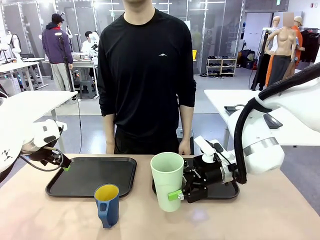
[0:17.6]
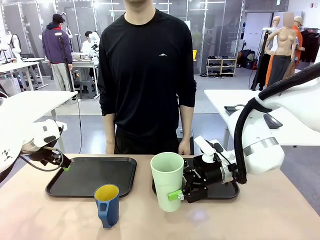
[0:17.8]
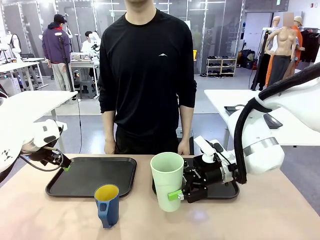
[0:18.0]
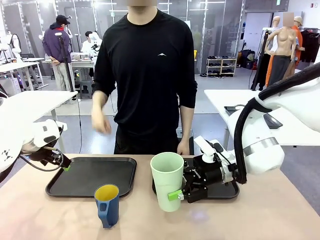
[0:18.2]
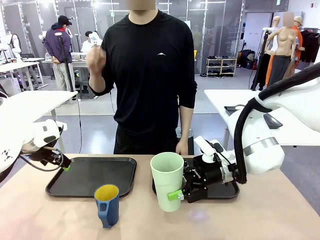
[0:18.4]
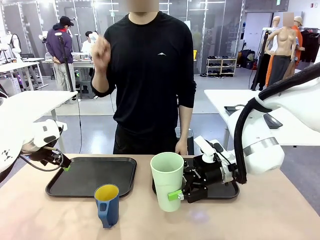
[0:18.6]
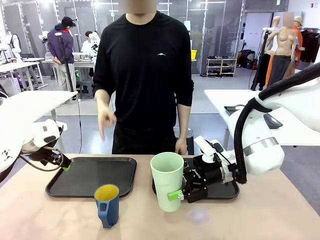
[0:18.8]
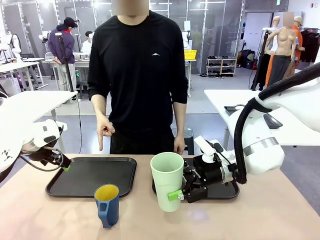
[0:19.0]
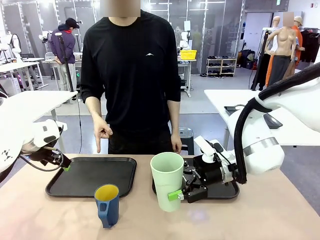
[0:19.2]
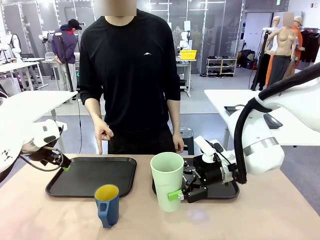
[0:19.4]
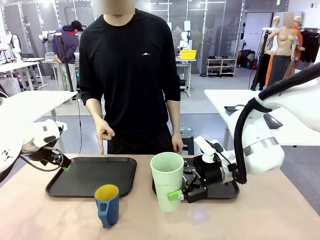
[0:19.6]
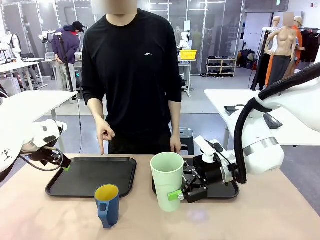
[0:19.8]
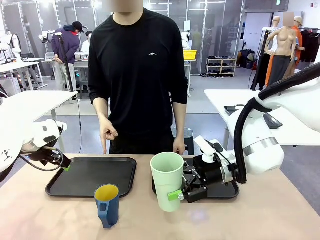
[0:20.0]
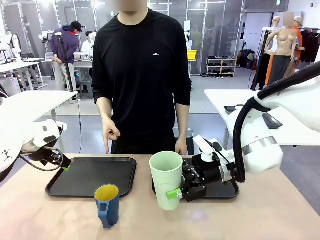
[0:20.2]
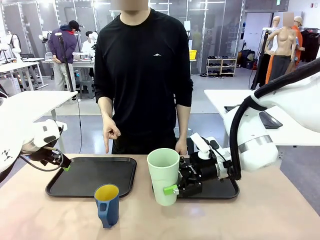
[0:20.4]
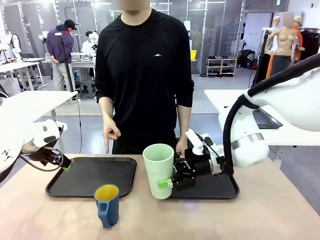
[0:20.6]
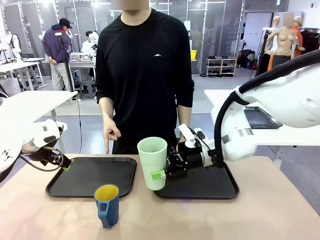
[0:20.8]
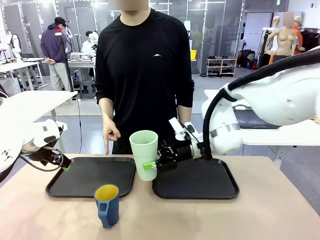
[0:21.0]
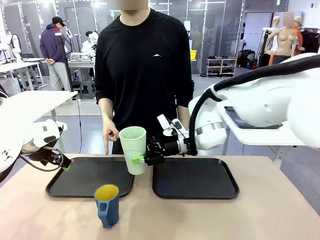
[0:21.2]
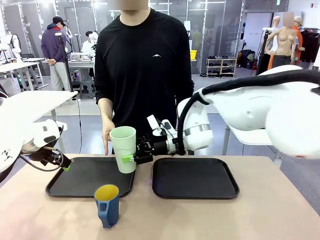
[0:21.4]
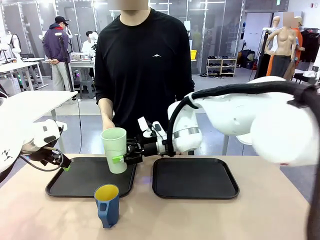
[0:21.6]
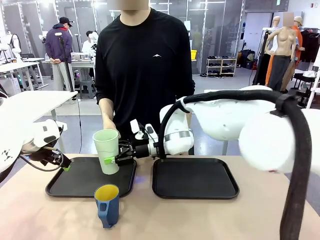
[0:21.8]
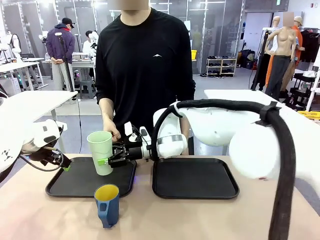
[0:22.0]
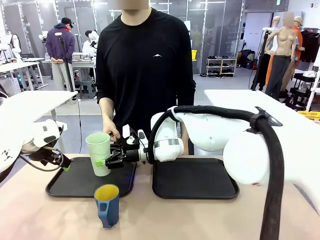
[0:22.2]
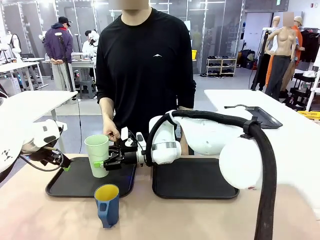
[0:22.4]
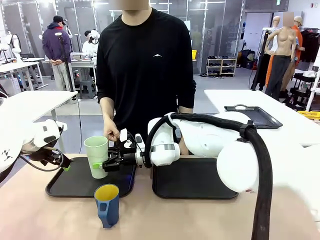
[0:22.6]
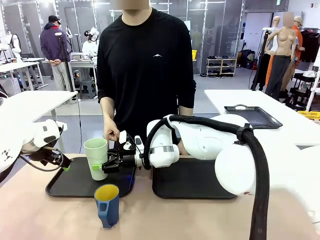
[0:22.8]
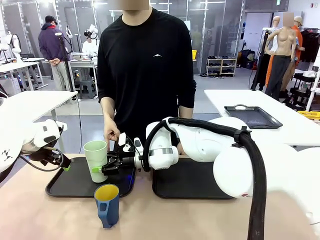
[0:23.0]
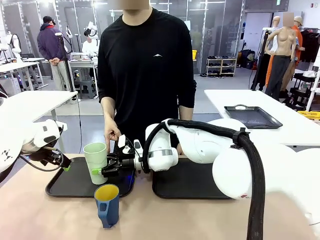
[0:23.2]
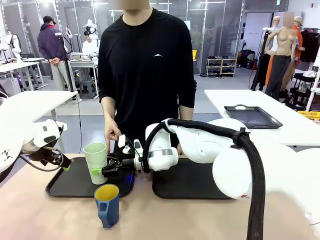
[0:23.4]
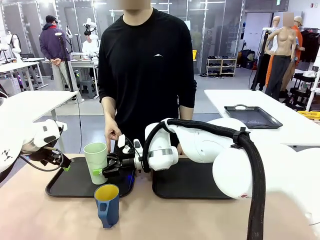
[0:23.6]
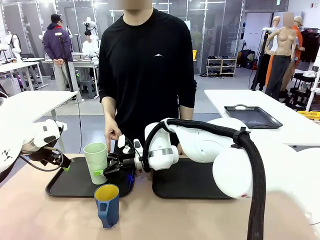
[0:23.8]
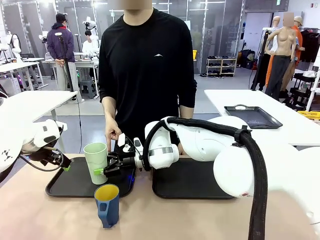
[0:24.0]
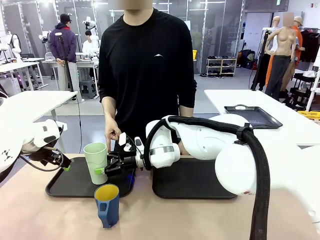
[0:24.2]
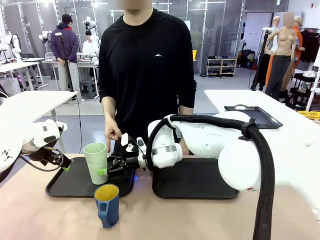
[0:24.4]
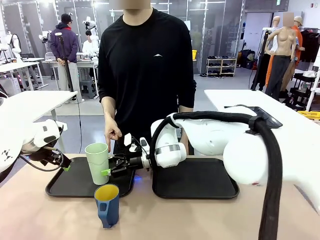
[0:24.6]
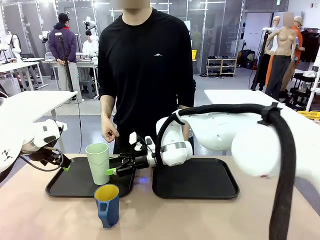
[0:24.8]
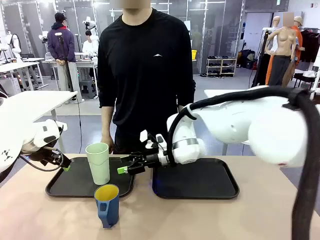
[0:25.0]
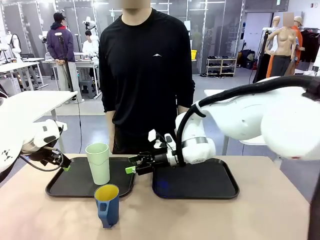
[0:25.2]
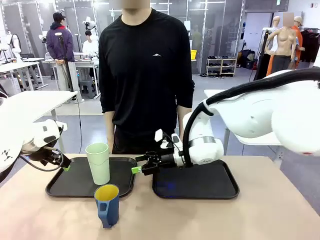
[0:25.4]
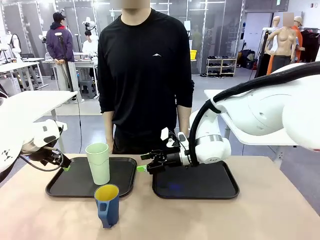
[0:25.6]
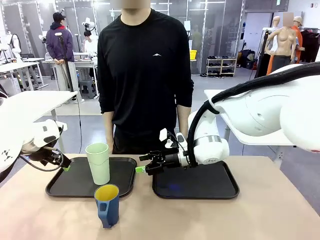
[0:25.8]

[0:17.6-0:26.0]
Task: Sort and store the cups by type.
Robot: Place the picked Reusable plastic cup into the Flat Tray indicated by the person.

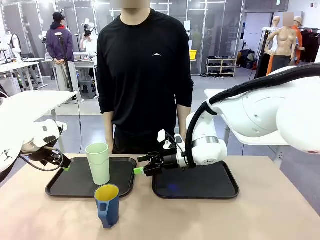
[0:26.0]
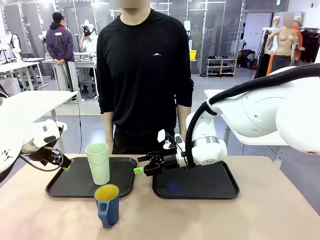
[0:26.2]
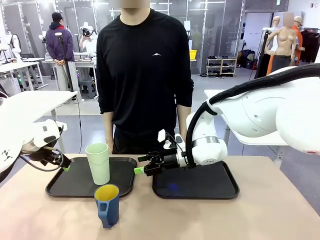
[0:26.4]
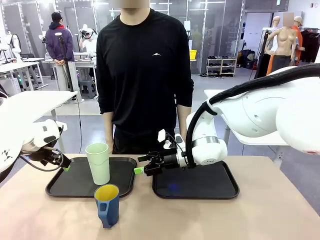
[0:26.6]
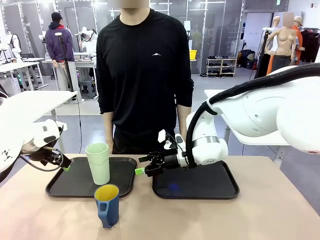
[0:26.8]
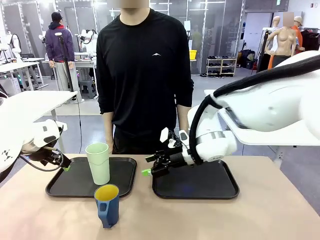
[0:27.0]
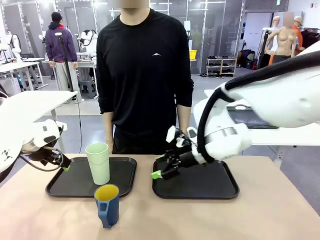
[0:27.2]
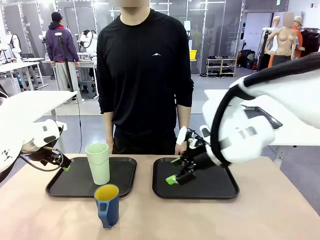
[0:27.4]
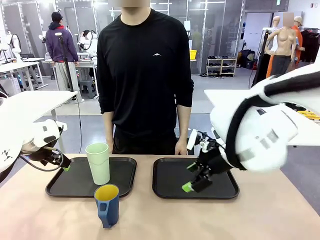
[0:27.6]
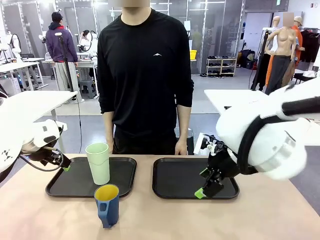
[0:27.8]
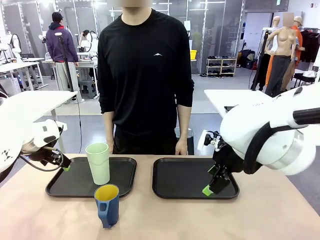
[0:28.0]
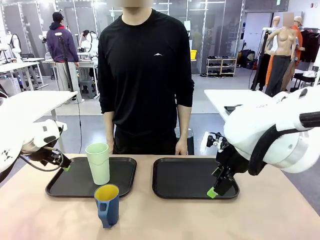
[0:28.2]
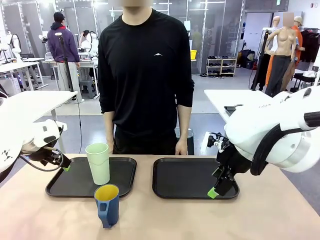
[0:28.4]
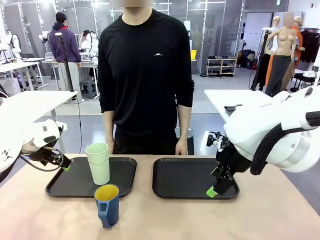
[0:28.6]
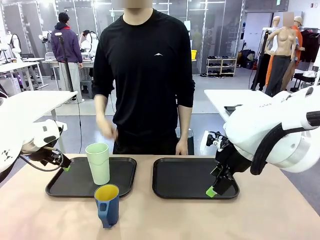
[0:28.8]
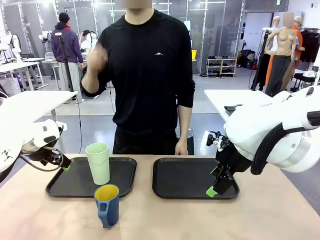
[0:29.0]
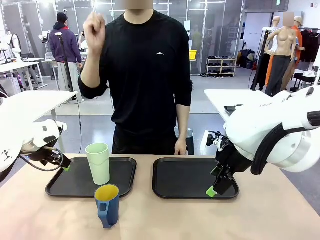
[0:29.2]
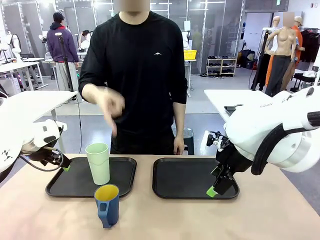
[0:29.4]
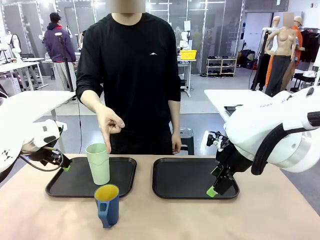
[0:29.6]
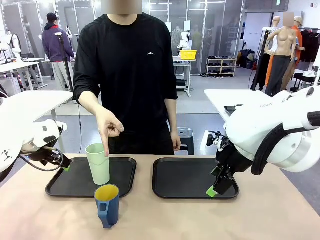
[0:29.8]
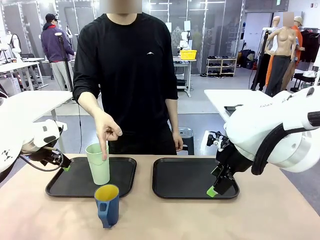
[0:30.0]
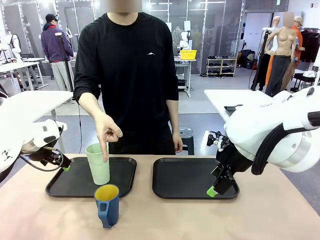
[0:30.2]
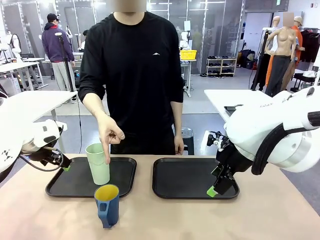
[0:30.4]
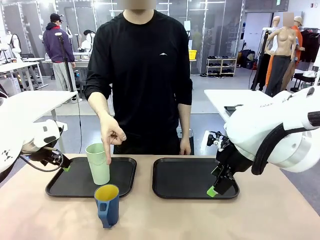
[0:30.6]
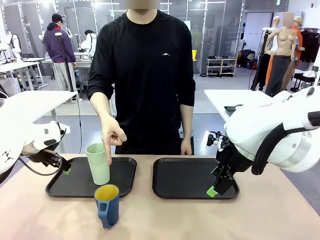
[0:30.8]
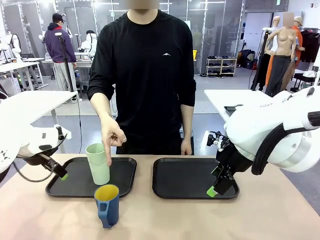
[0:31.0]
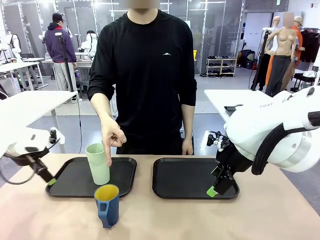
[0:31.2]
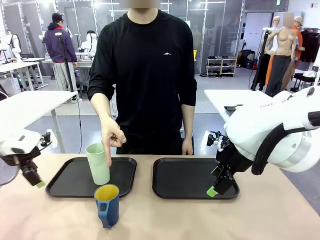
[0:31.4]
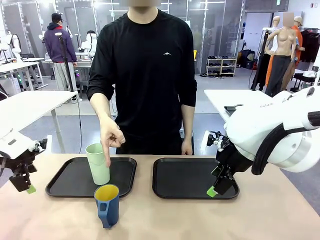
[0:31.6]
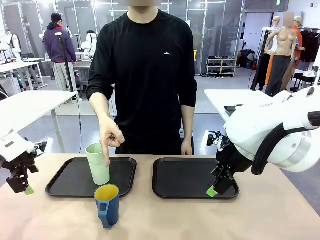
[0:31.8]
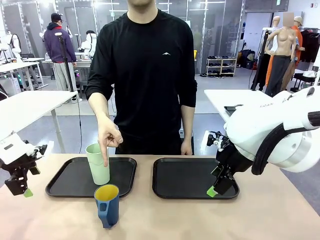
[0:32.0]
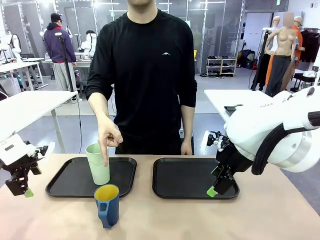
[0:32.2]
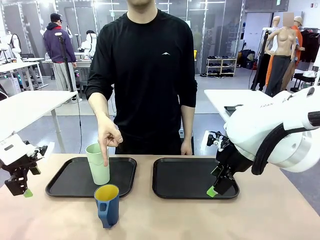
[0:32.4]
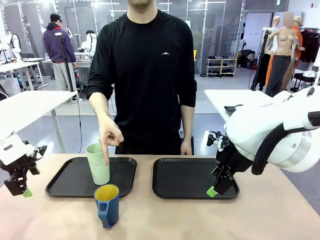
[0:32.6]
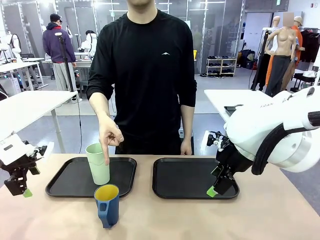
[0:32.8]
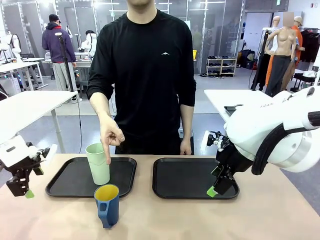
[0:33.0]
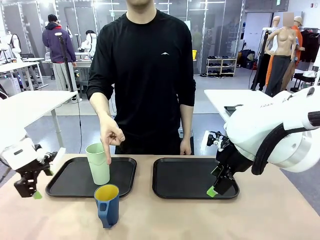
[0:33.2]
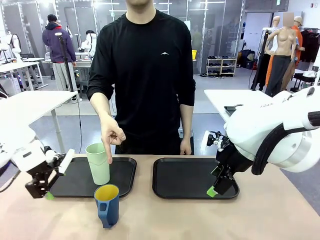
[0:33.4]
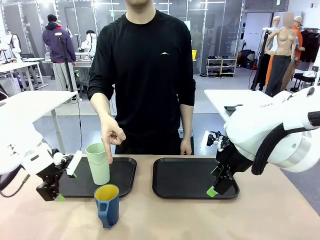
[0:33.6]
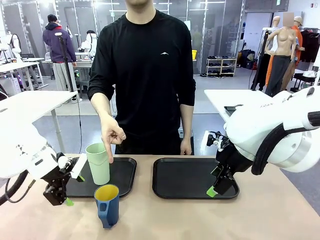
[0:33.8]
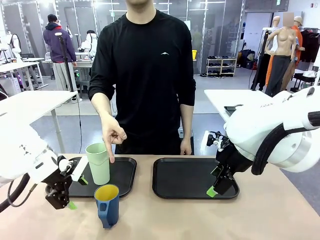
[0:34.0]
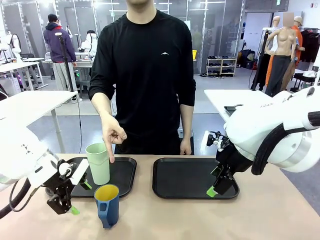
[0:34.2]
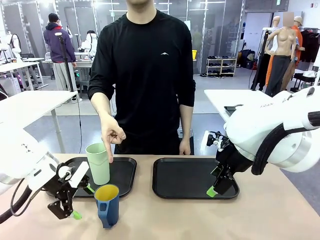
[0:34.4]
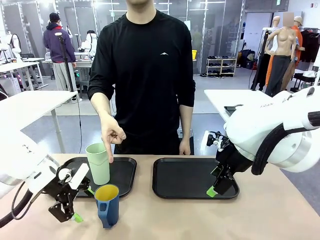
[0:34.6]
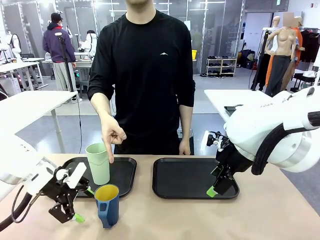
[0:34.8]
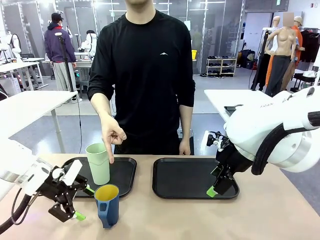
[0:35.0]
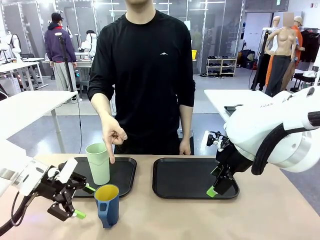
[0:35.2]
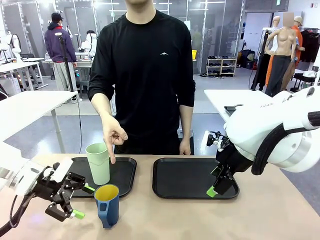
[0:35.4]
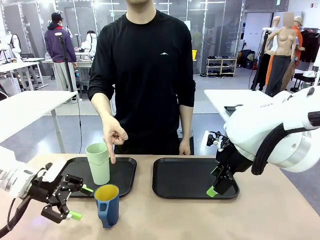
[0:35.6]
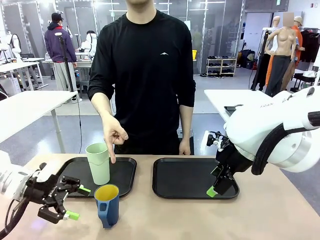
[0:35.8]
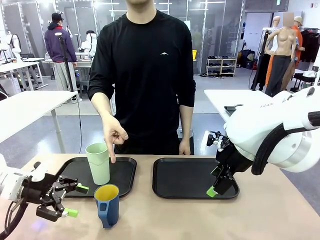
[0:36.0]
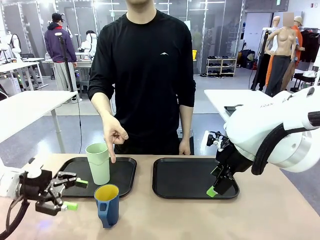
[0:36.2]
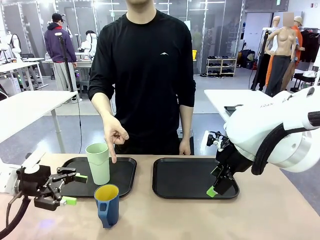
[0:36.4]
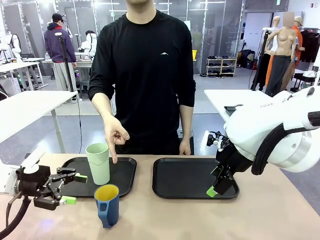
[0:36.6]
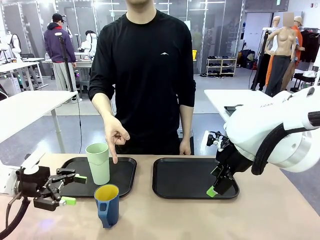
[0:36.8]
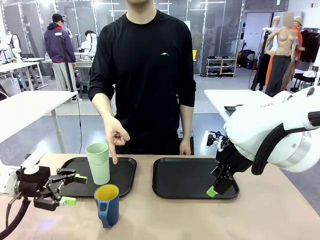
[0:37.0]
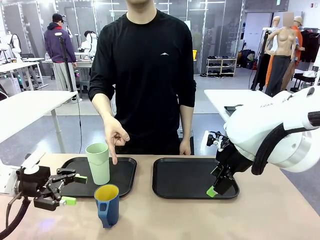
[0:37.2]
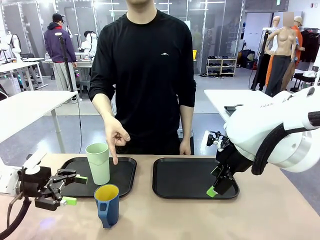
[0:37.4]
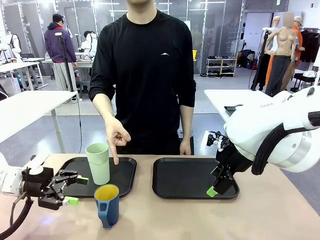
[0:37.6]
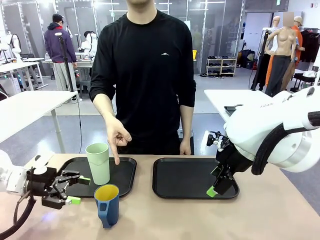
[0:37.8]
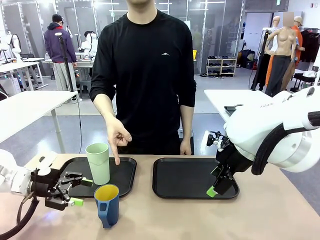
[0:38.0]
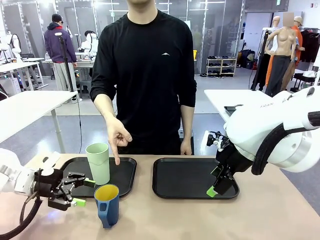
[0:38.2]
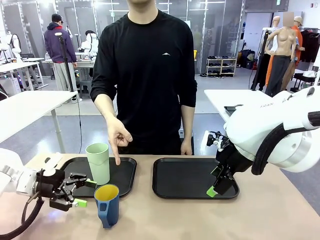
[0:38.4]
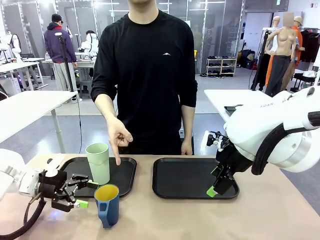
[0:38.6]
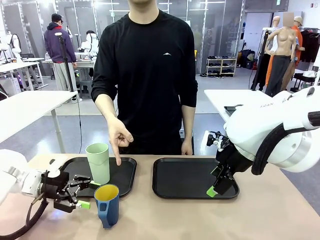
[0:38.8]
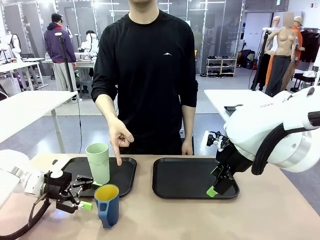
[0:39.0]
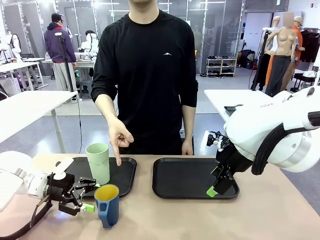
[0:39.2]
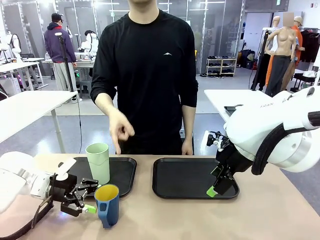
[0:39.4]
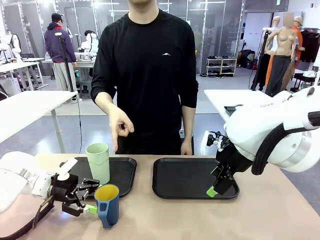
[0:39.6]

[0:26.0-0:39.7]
Robot: Pick up the Handle plastic cup and place it into the empty Flat Tray.
